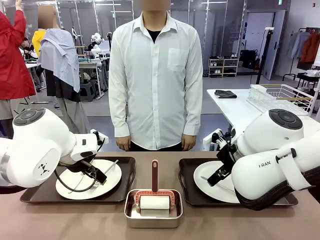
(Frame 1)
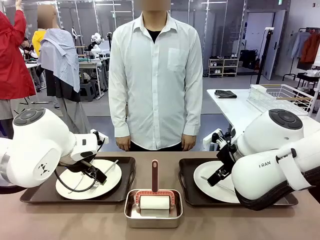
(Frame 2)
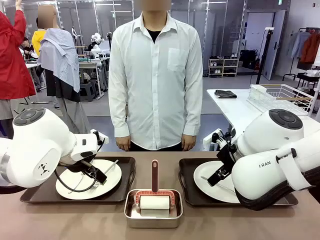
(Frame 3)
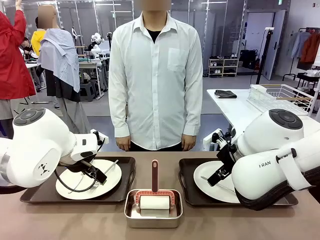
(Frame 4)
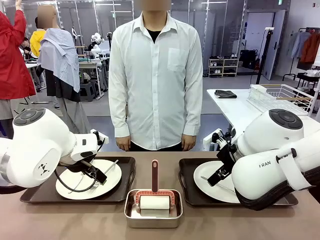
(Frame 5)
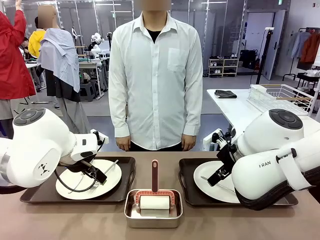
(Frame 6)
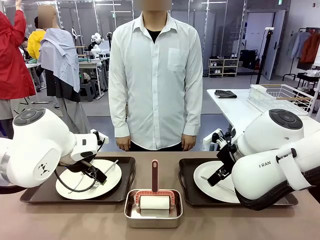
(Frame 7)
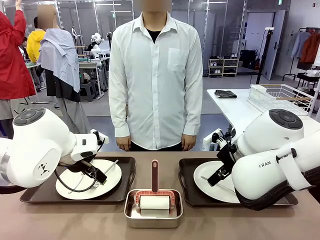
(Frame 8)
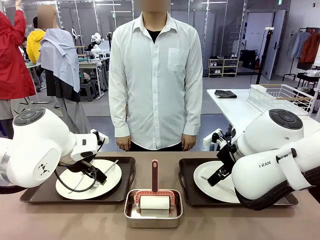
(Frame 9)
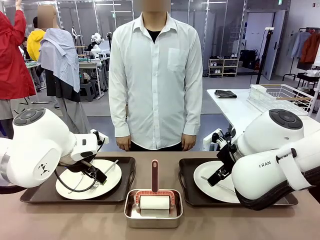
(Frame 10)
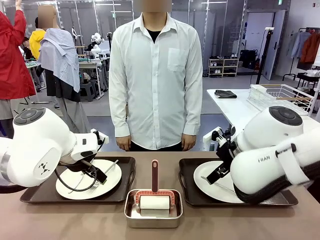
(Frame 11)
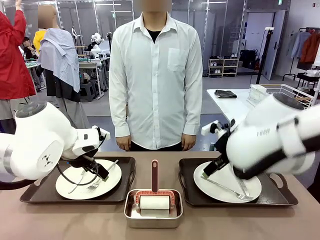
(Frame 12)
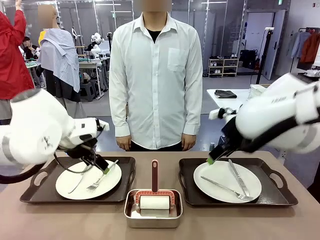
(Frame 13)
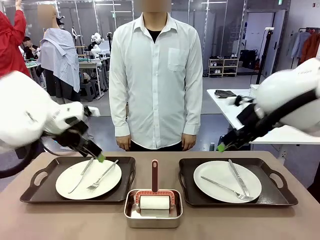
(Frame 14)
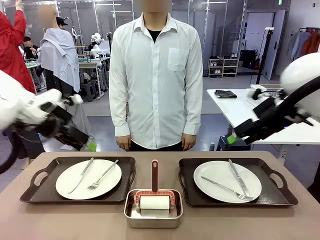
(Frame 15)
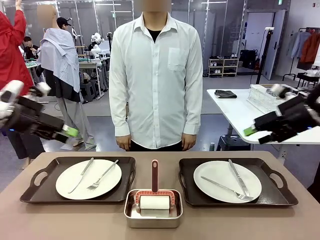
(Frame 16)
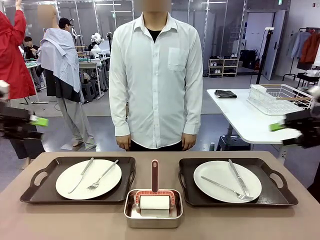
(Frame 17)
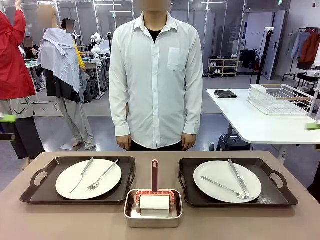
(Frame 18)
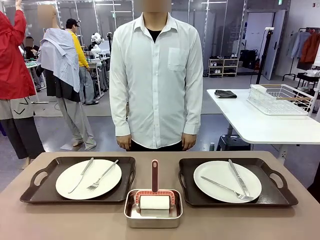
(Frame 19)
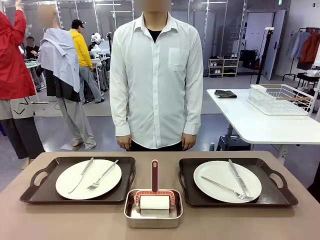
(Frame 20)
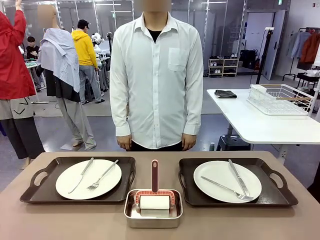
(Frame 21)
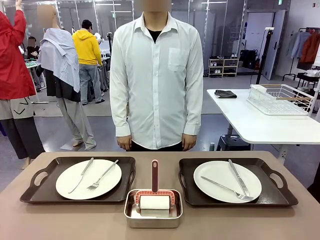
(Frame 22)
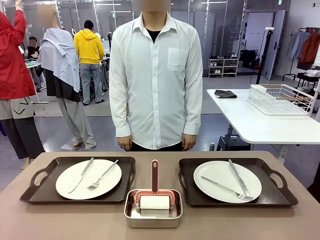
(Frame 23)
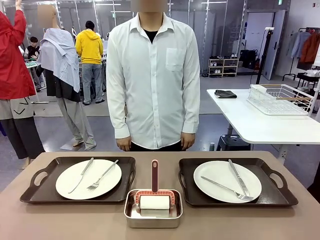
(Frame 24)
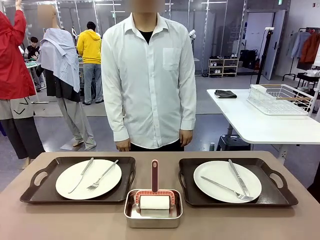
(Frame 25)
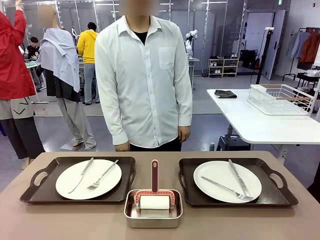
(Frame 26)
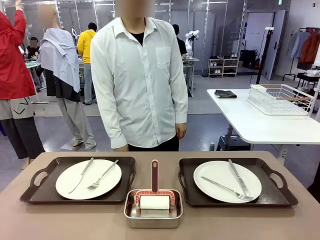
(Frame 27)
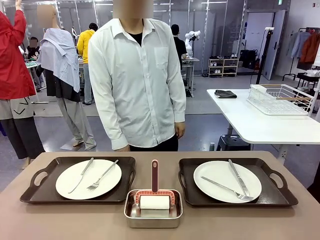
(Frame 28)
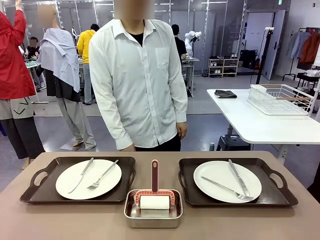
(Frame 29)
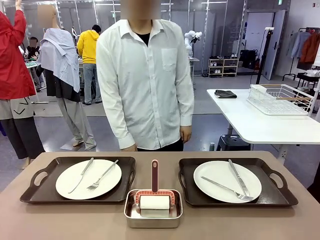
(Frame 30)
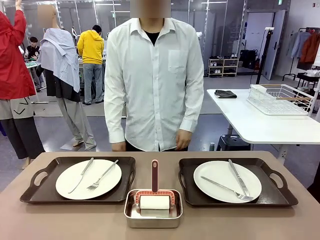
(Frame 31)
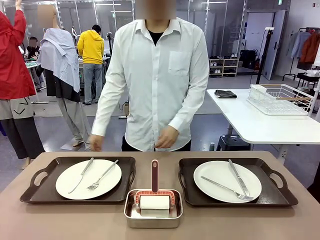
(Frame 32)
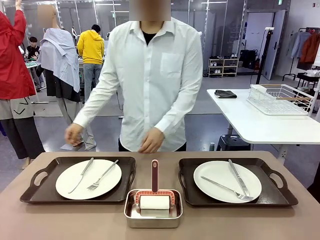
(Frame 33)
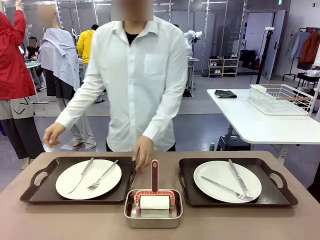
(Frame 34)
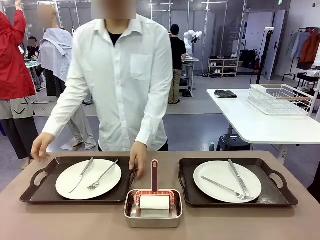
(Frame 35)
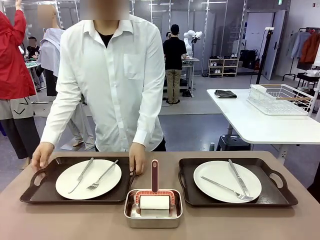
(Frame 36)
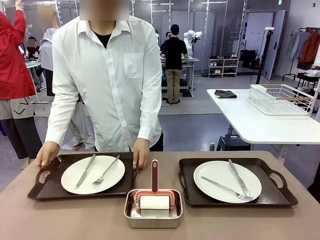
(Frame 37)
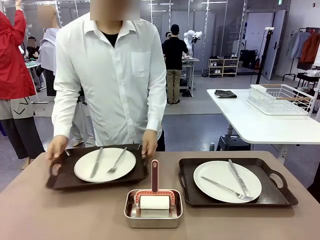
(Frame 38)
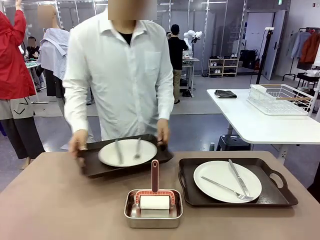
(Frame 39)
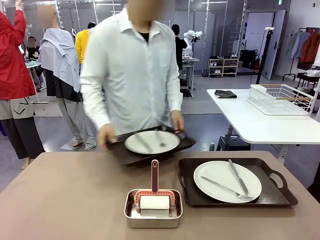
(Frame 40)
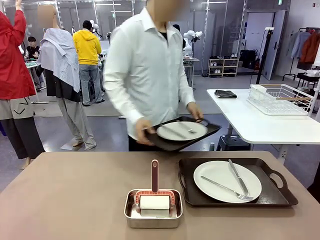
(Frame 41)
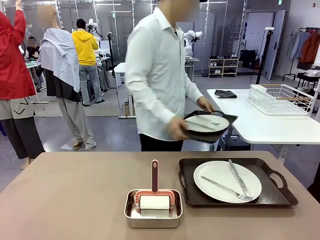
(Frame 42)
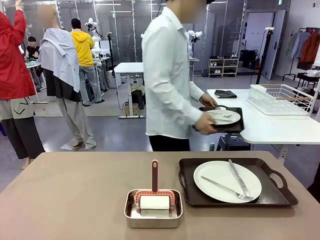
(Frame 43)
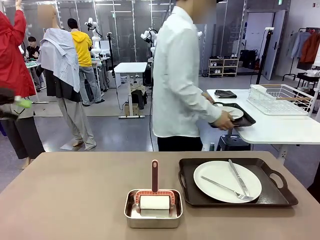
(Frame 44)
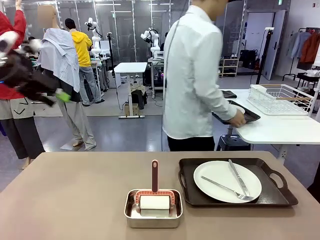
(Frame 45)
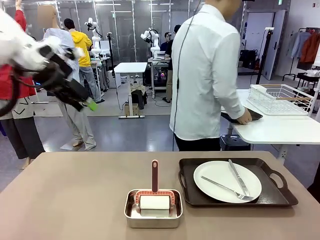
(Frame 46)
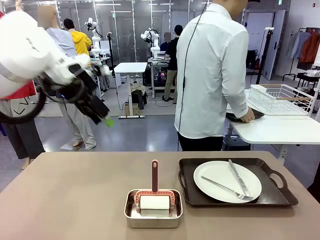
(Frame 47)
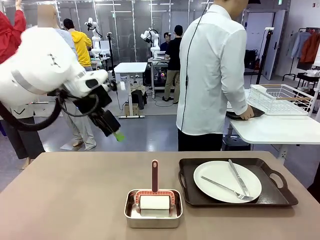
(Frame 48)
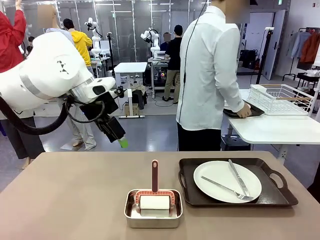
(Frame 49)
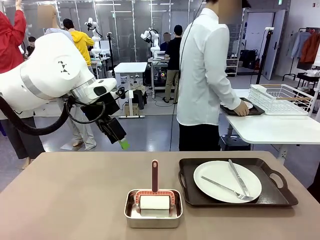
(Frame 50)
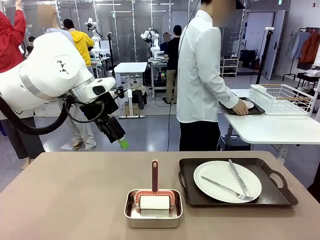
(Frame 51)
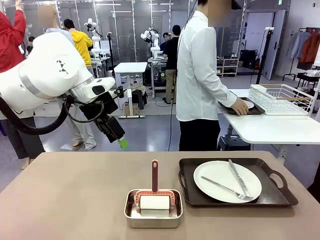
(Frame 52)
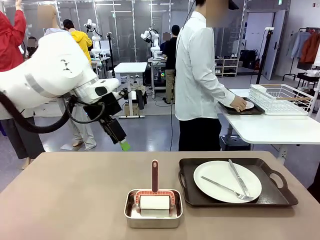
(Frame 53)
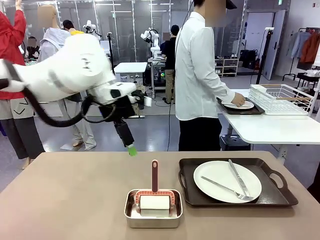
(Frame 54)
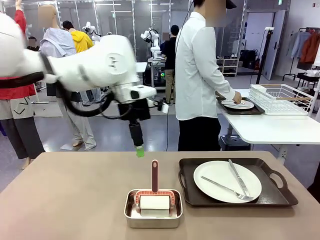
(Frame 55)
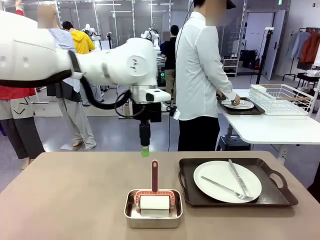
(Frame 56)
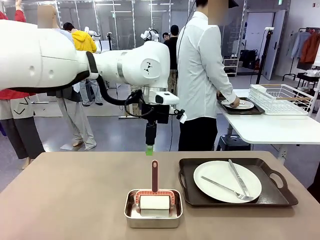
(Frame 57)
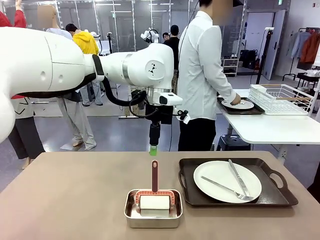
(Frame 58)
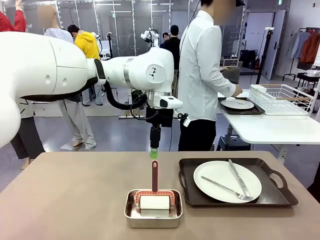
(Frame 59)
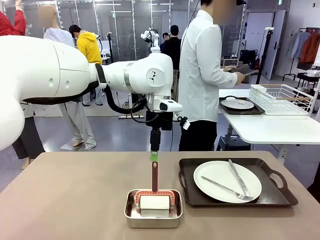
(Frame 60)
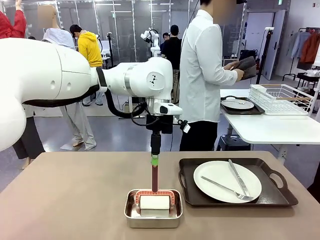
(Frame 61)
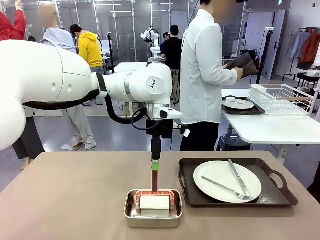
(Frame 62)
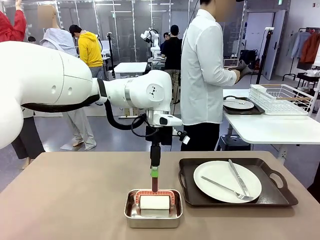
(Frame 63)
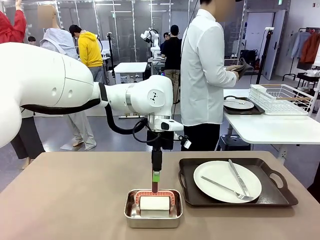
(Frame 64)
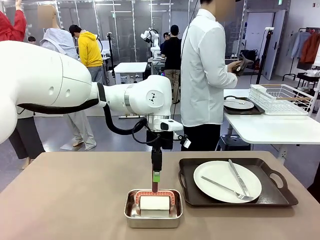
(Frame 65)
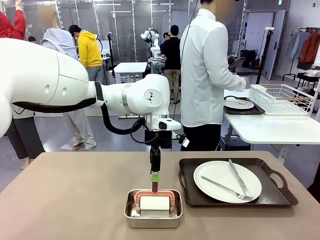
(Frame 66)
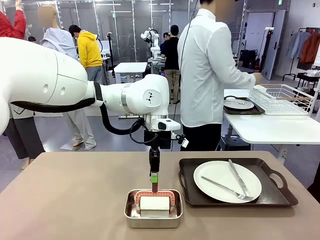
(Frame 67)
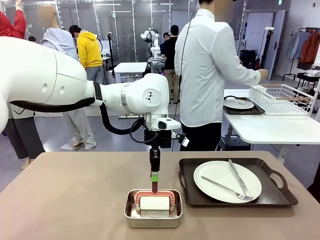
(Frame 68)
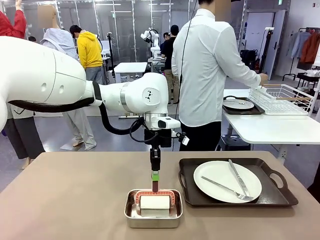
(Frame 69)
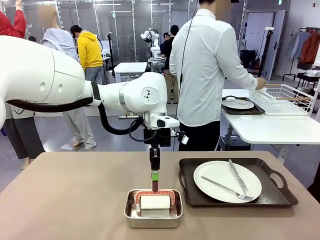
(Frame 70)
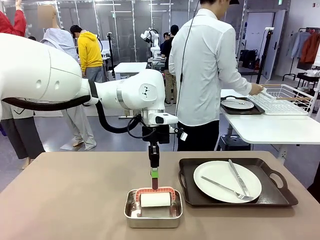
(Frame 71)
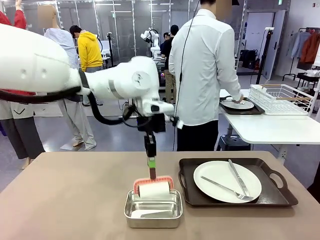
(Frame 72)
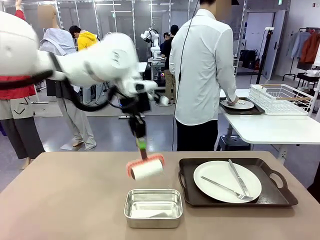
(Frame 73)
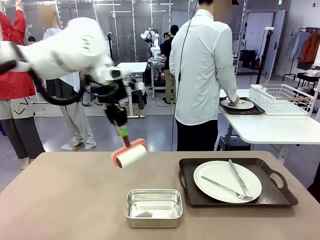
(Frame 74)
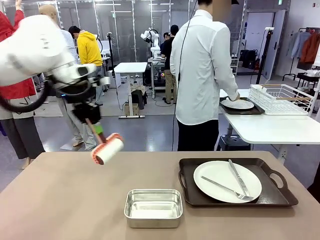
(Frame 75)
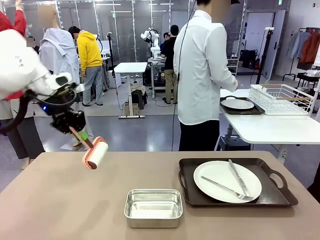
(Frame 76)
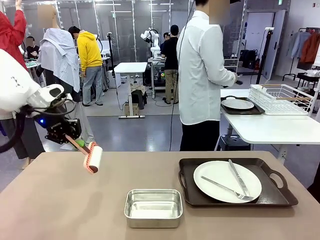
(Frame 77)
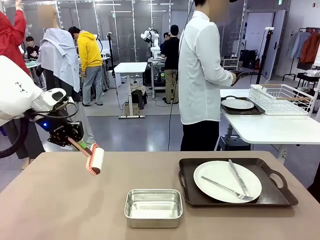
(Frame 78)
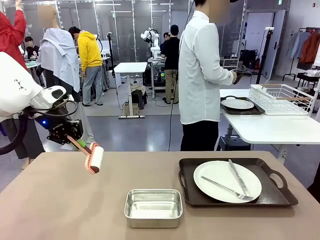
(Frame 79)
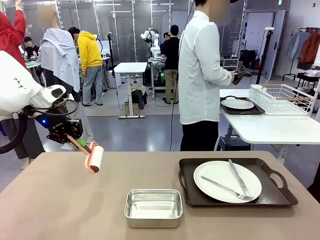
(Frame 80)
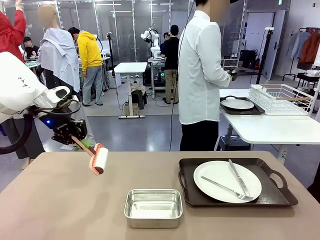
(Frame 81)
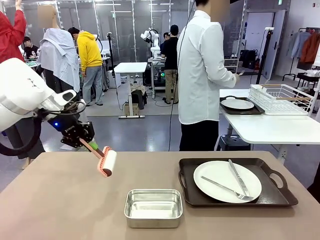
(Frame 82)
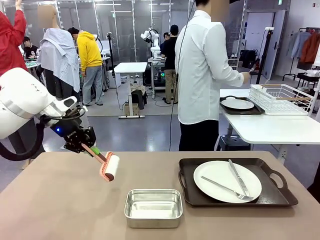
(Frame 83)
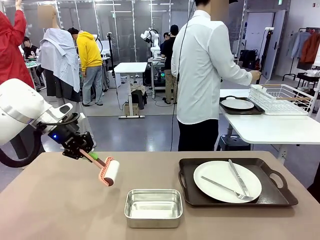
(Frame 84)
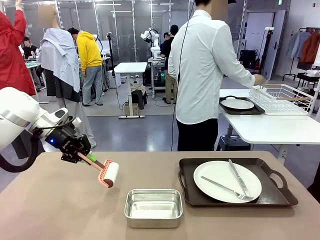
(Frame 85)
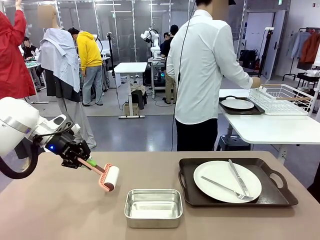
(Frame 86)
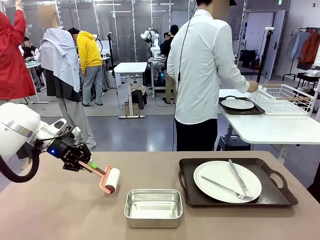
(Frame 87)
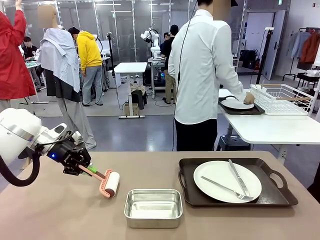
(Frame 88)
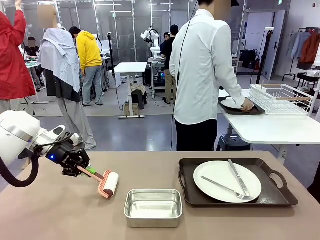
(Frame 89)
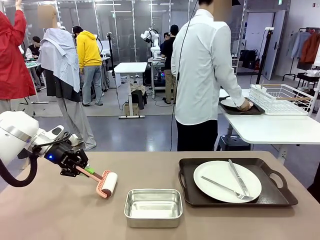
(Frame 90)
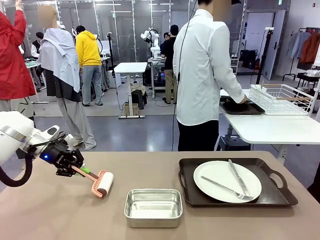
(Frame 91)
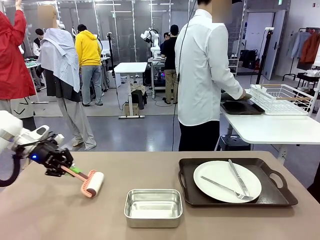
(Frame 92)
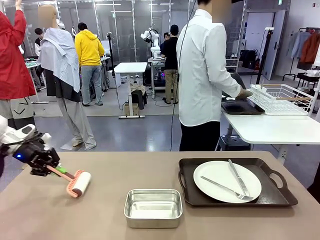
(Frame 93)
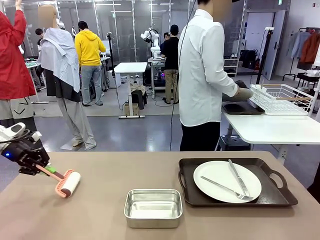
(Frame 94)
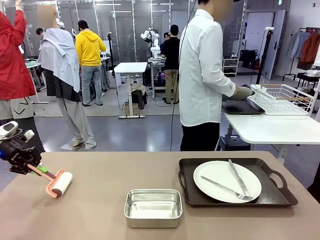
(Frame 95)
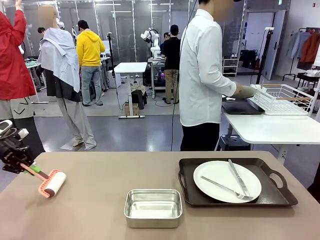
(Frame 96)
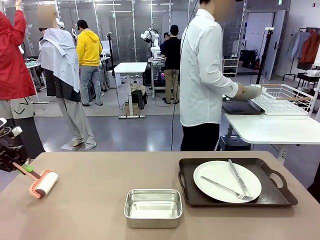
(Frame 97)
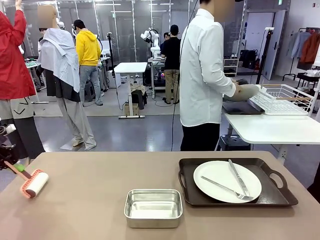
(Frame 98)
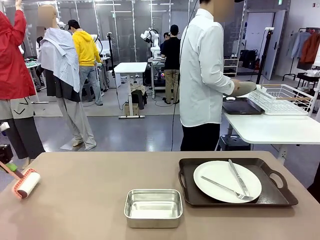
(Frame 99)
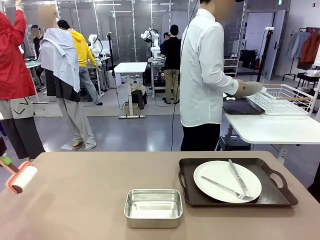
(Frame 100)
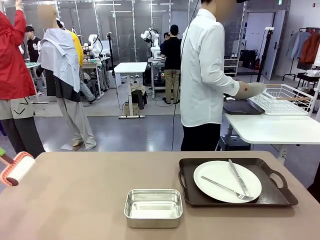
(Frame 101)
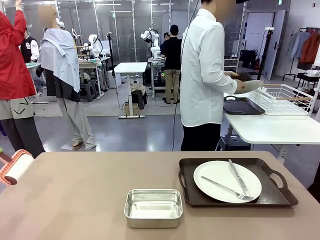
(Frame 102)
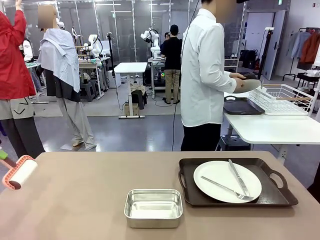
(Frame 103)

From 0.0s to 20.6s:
Robot: When the left (or right) Handle tray is removed, use the left hand (or right hand) to clean the left (or right) side of the table with the Lint Roller.
Person: Pick up the left (or right) Handle tray and place it on the middle of the Human's table. Use the Towel with hook to wipe the Plastic Matte Plate , Fork , and Knife and place into the Dish drying rack.
